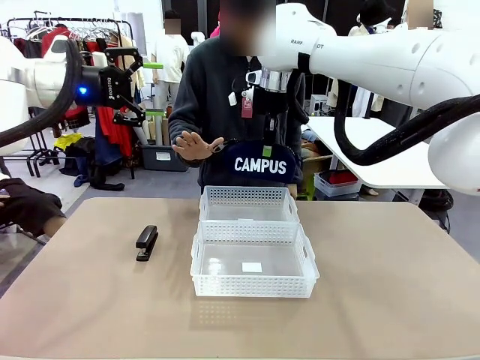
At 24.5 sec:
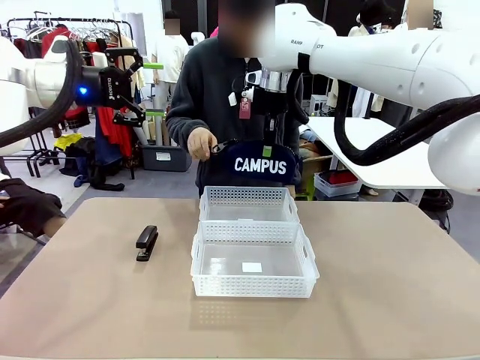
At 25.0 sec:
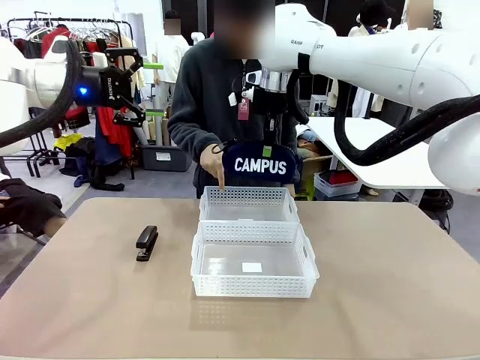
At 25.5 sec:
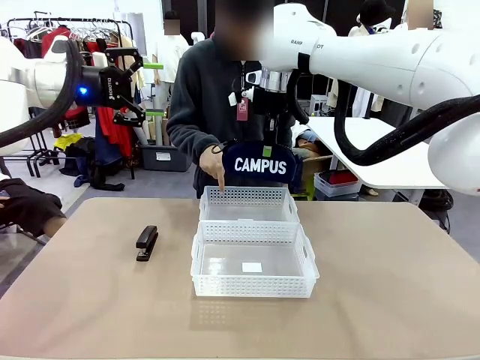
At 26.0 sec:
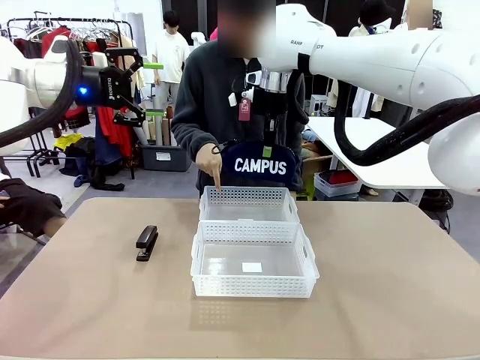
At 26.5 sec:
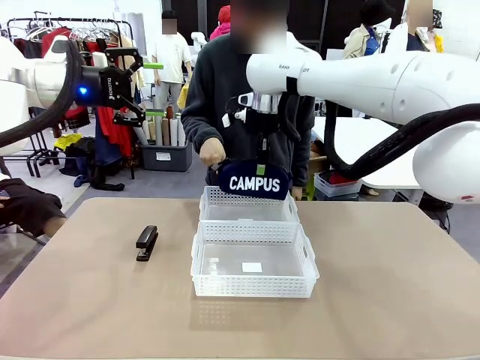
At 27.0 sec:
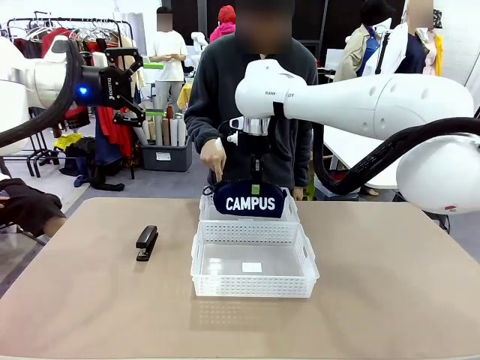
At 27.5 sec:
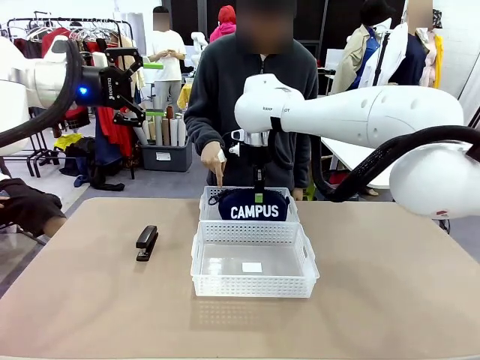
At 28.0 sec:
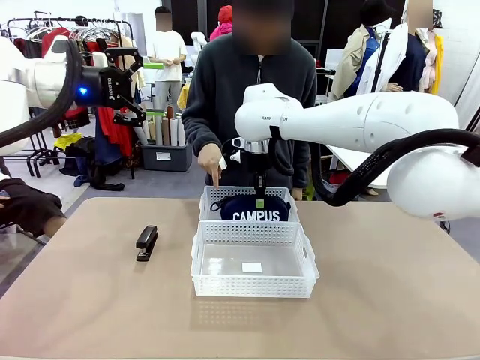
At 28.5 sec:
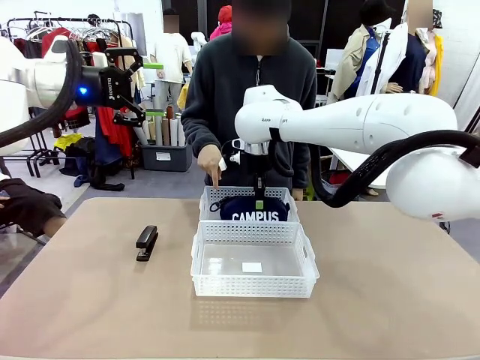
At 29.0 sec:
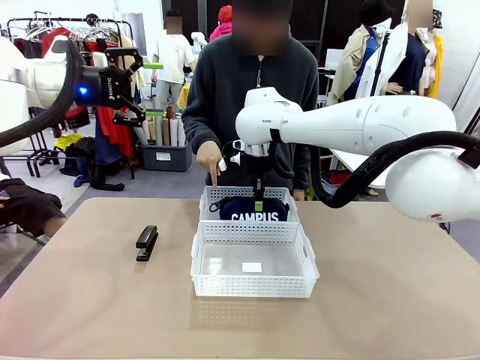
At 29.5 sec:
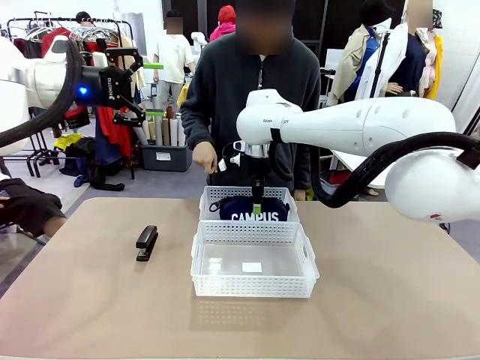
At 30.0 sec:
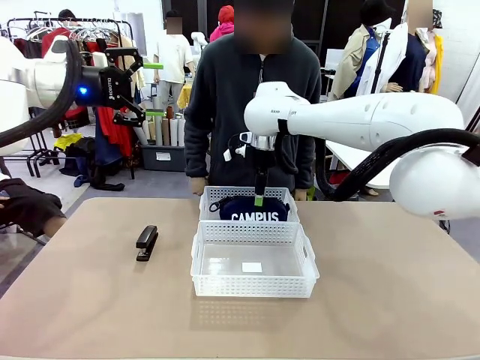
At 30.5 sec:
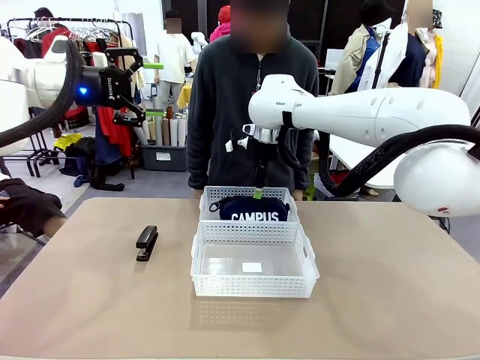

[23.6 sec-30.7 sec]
Task: Distribute items into two baskets.
Robot: Place the picked Pencil pouch into the Organizing basket as instructed by the person.
Person: Instructs the robot to place the pencil case into the opposite basket.

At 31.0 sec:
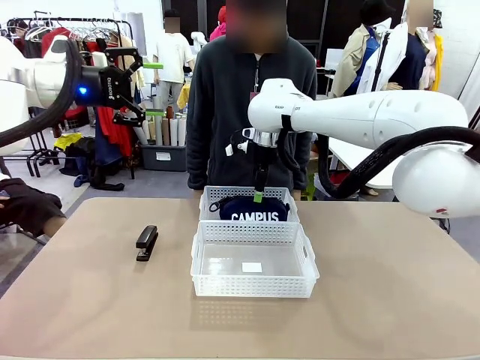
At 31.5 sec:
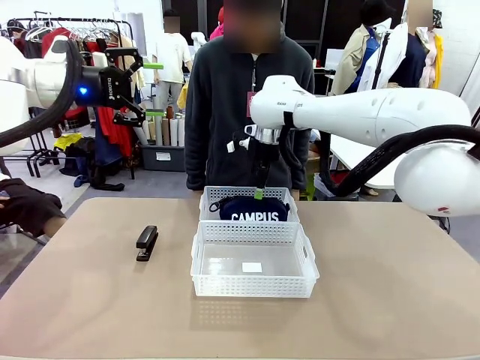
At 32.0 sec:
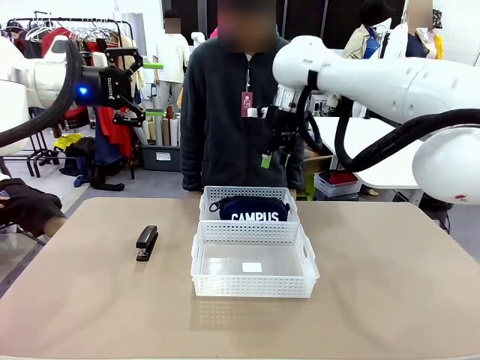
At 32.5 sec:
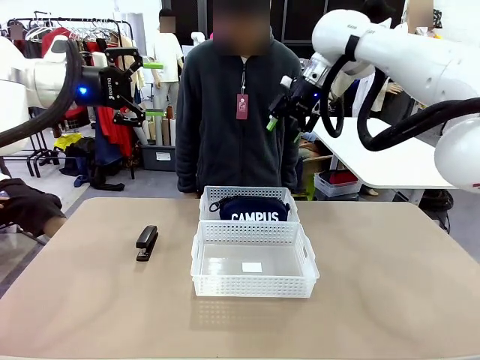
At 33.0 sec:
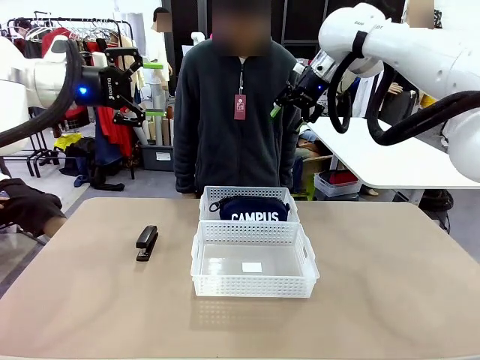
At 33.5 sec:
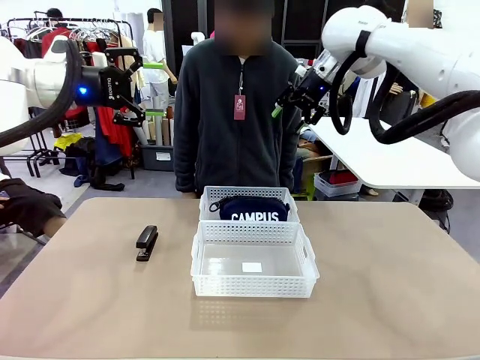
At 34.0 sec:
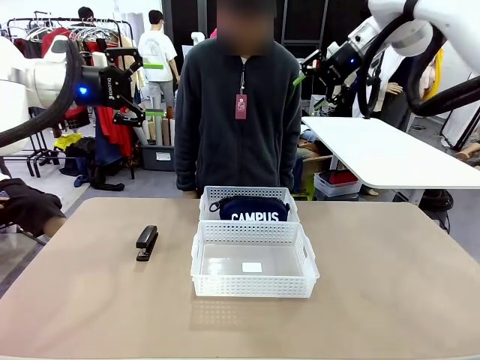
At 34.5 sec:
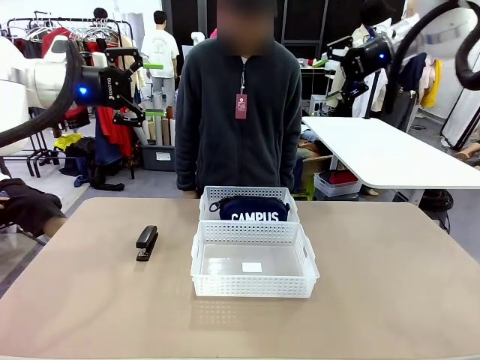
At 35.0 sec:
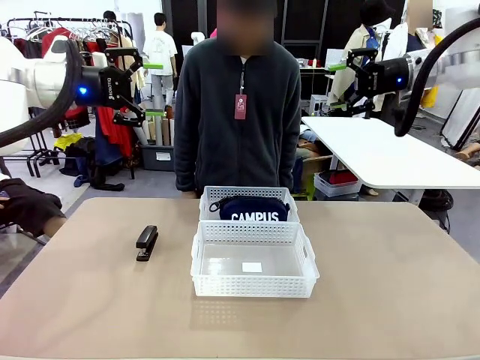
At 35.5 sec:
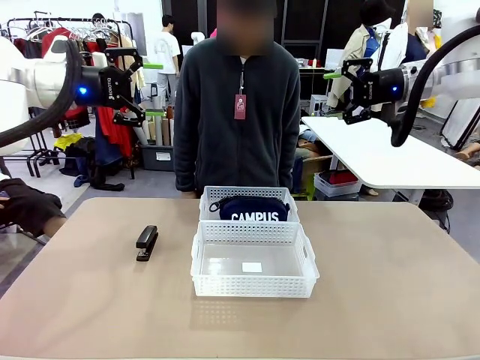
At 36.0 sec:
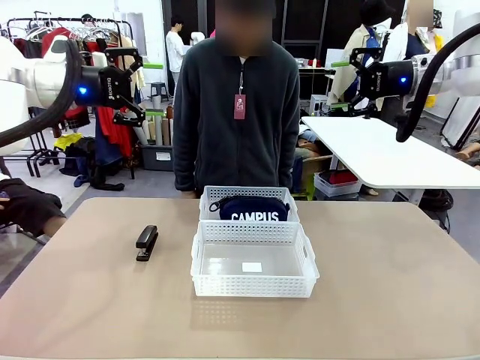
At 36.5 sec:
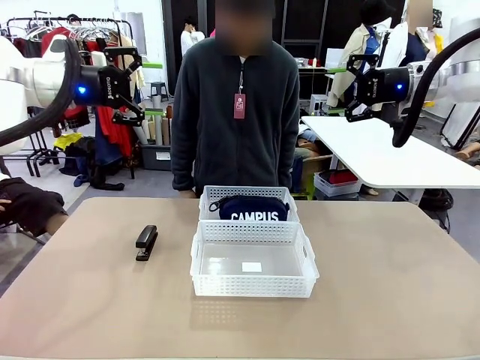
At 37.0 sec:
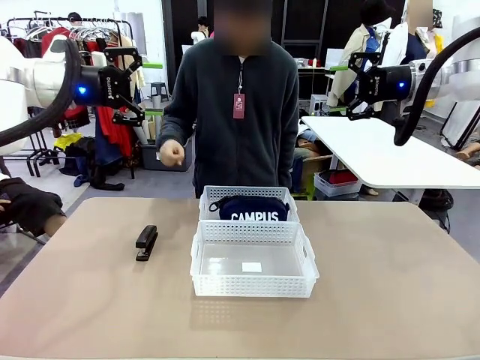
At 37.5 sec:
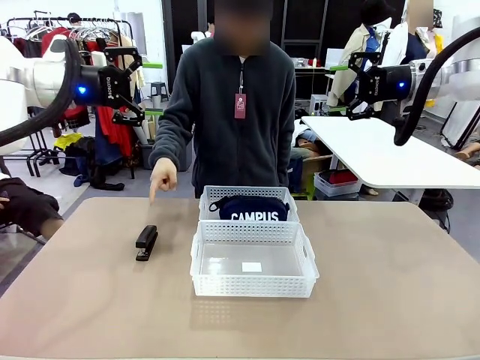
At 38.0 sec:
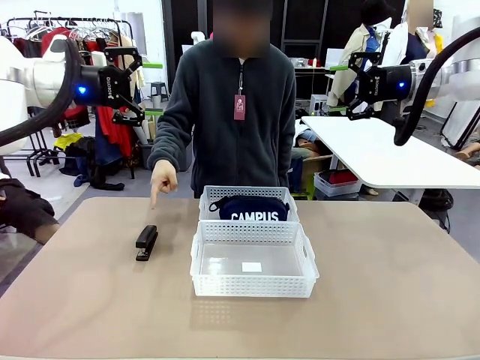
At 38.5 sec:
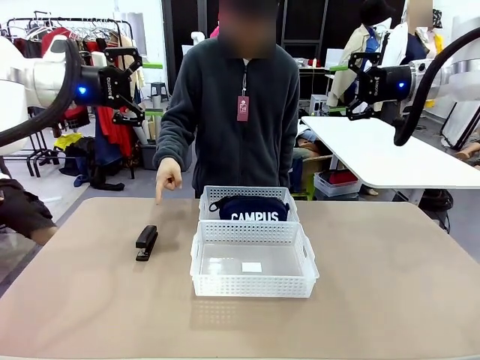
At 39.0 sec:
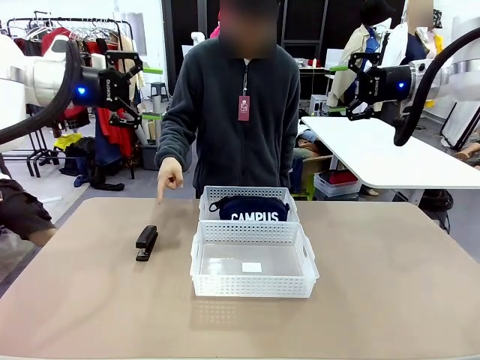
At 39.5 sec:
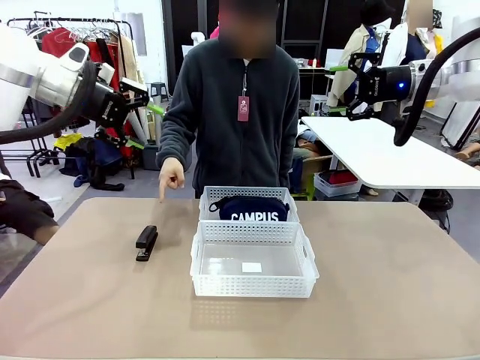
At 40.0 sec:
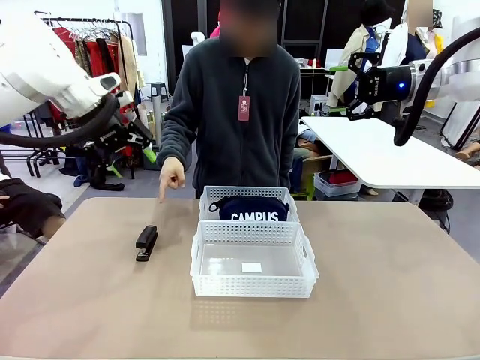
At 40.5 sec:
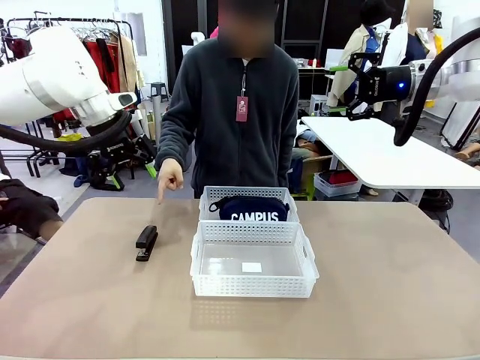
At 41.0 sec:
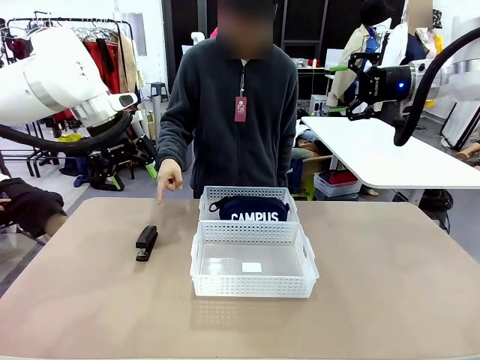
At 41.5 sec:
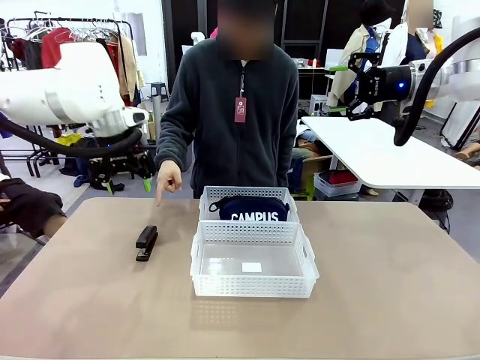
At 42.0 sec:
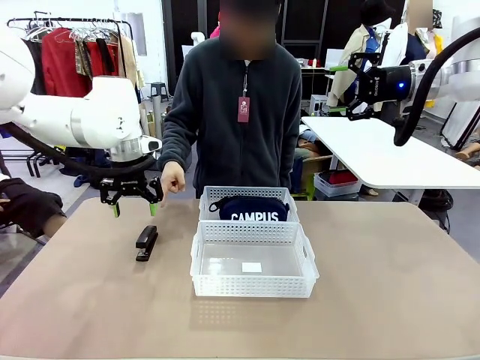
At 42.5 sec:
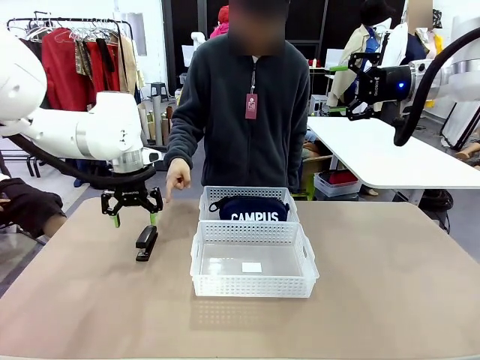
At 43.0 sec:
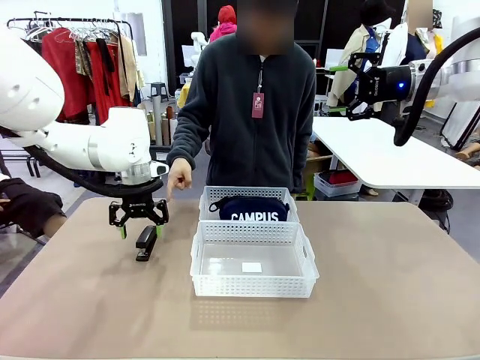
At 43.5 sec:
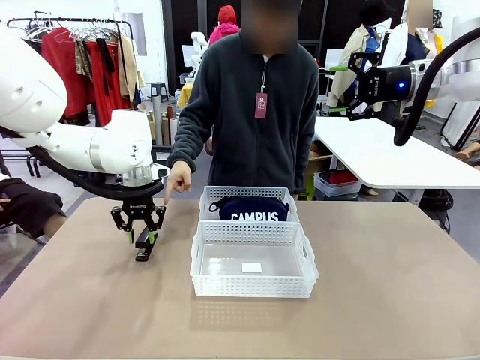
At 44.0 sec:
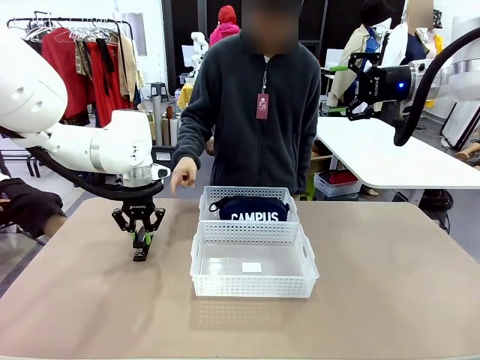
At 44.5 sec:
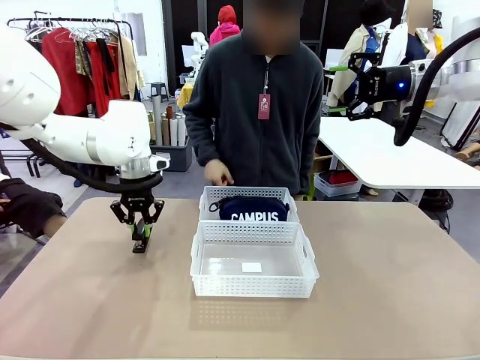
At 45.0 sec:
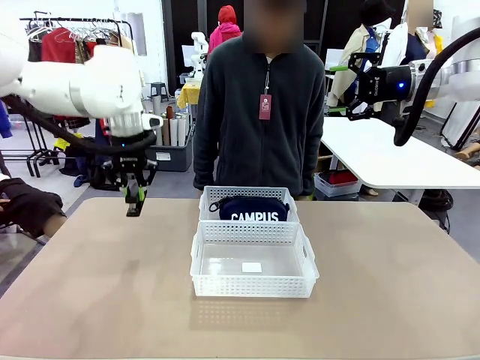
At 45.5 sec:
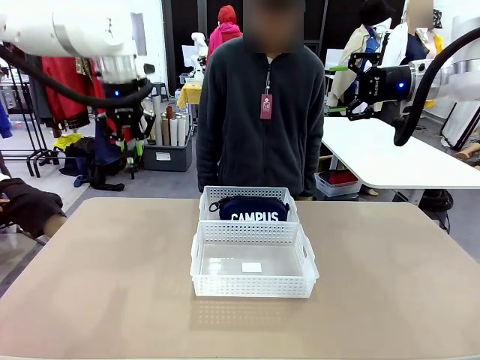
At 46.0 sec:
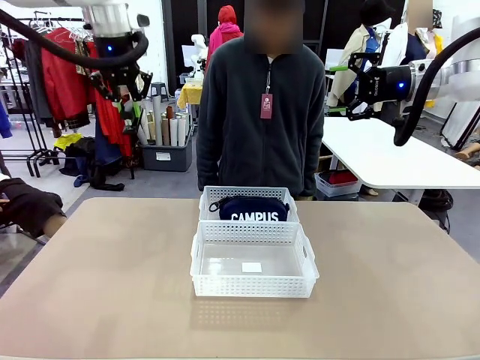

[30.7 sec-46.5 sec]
Robot: Pick up the Stapler that the person points to.
Person: Points to the stapler.
